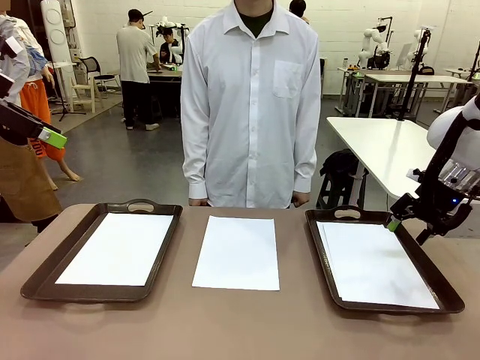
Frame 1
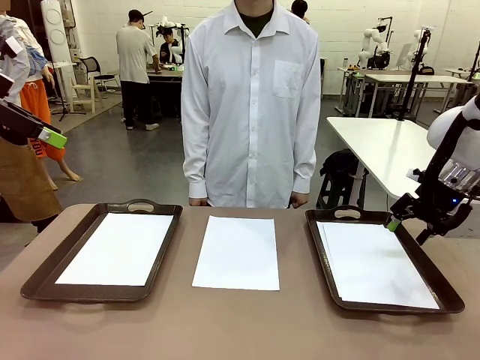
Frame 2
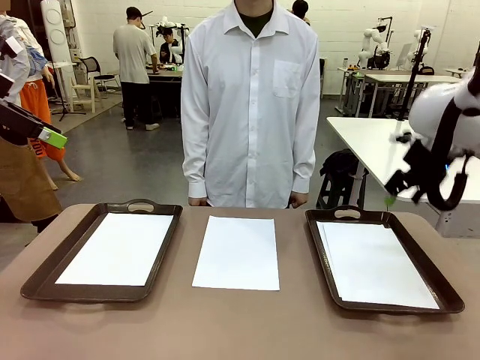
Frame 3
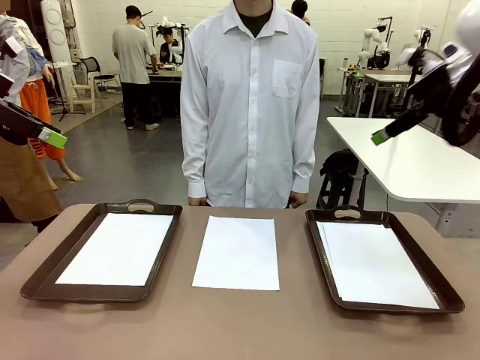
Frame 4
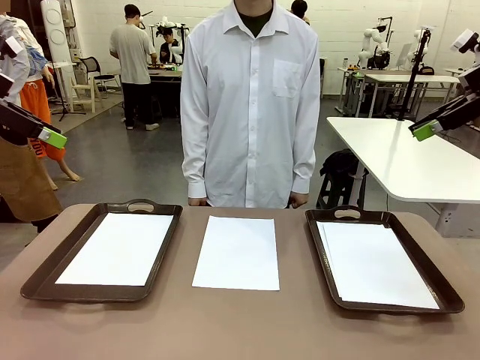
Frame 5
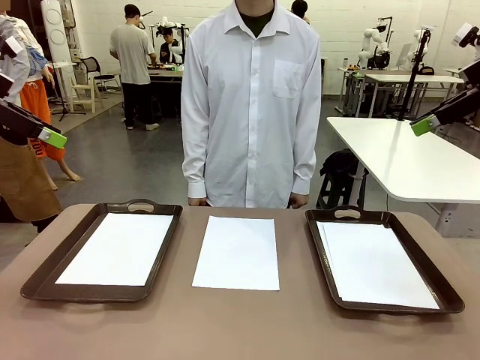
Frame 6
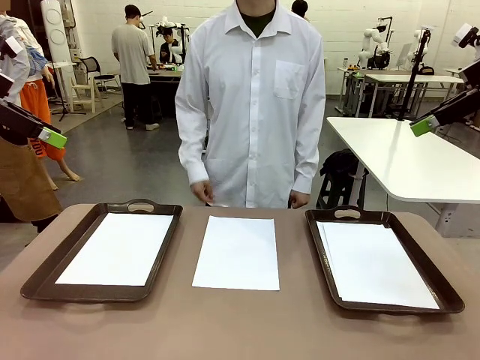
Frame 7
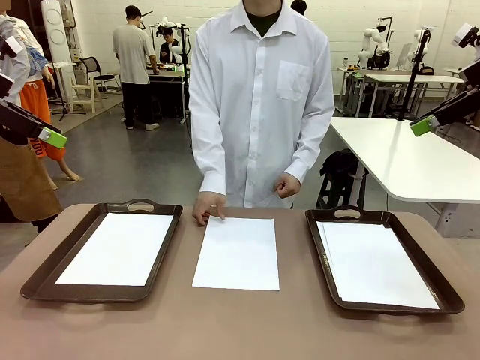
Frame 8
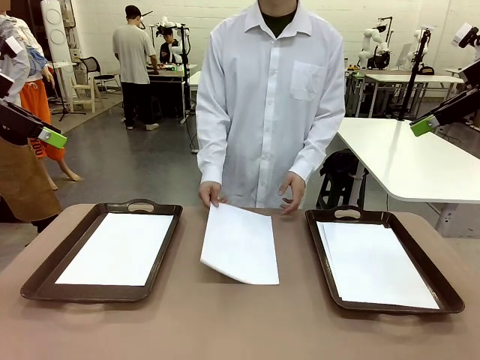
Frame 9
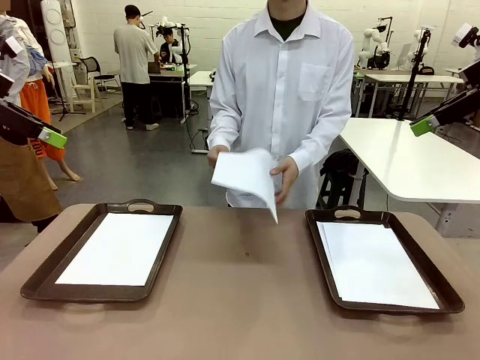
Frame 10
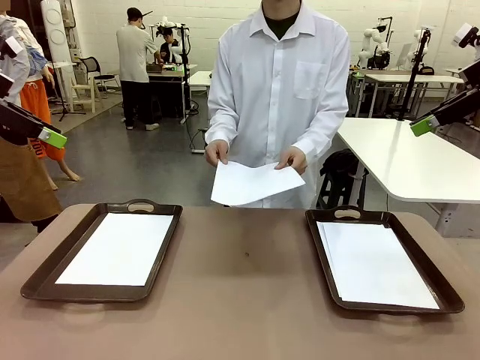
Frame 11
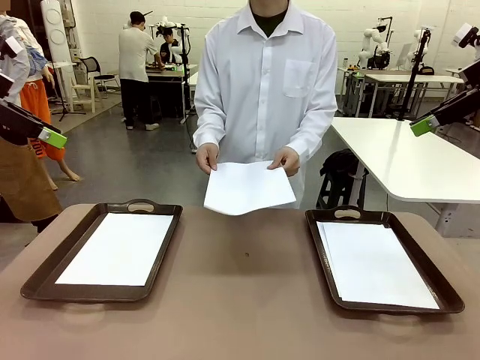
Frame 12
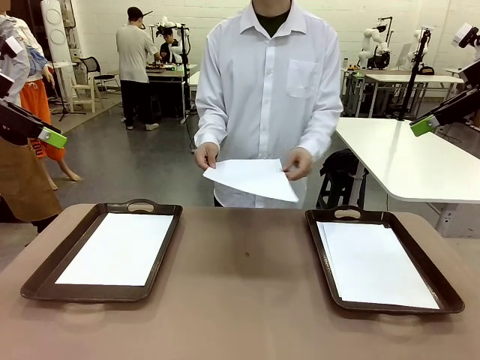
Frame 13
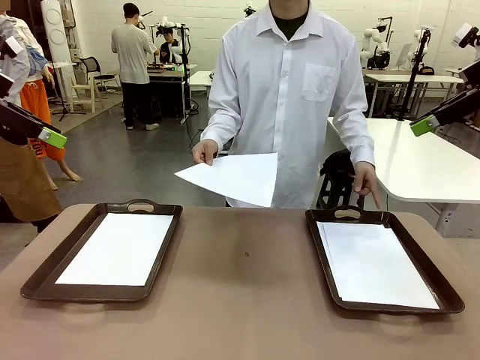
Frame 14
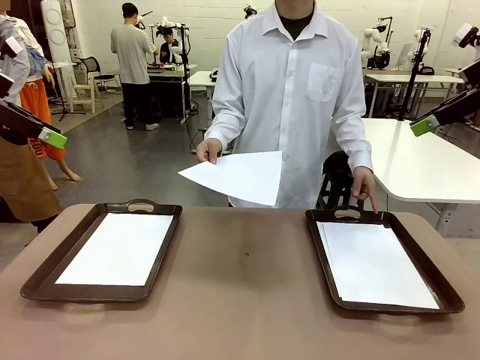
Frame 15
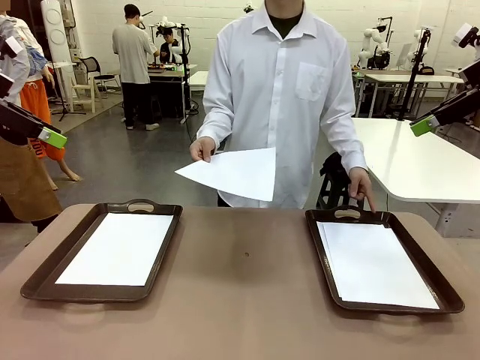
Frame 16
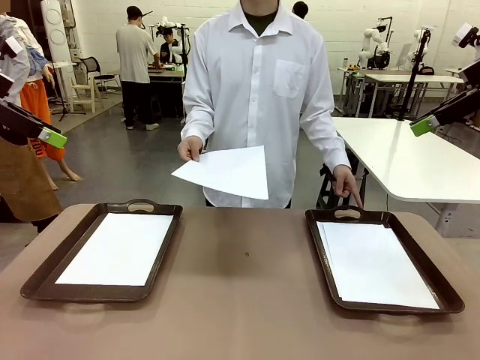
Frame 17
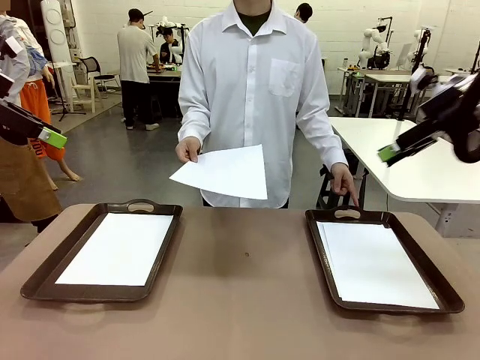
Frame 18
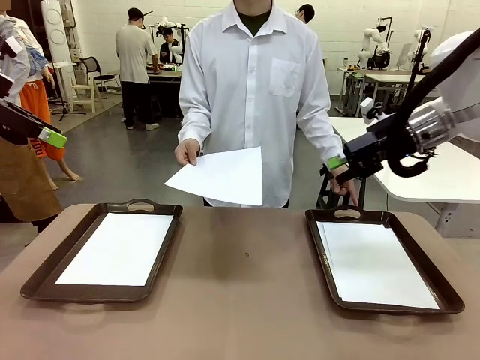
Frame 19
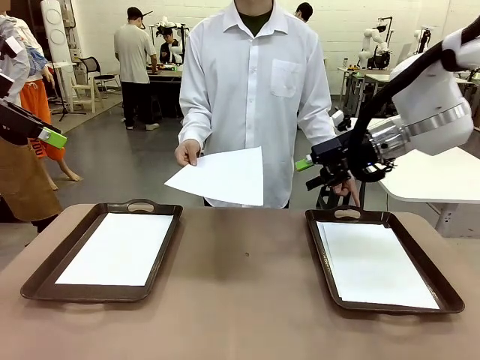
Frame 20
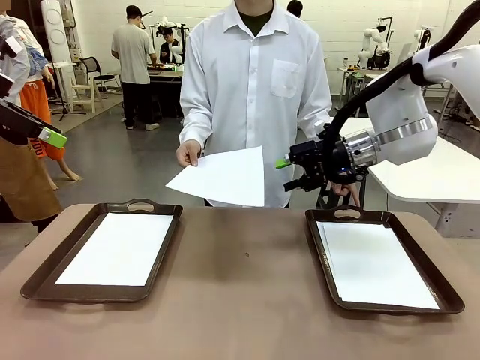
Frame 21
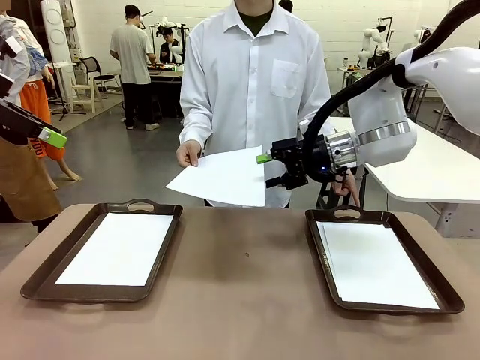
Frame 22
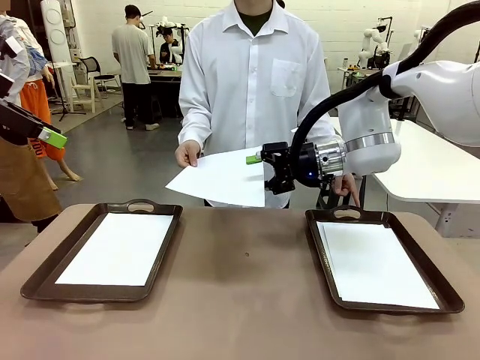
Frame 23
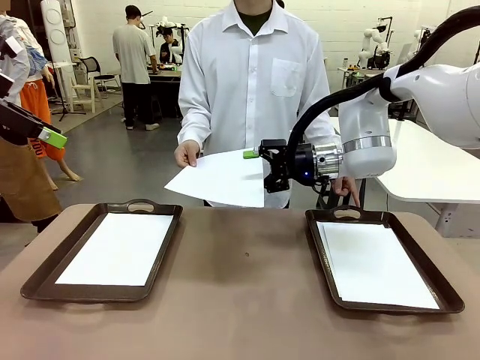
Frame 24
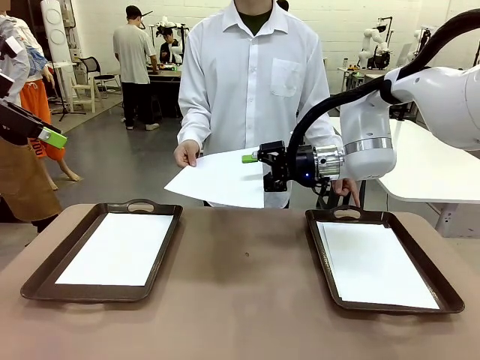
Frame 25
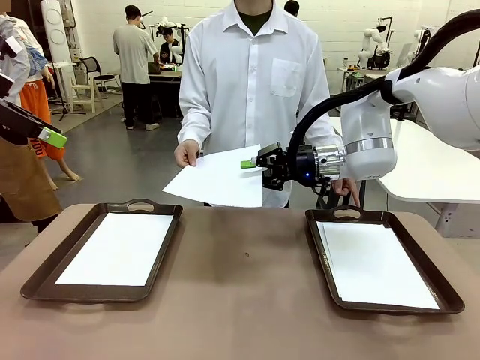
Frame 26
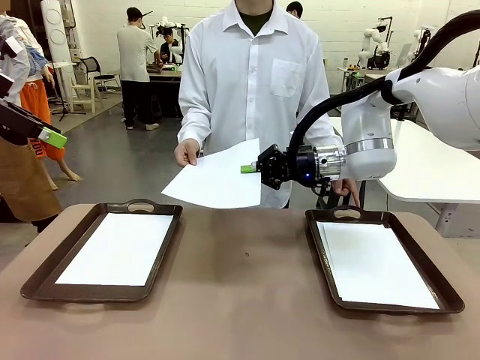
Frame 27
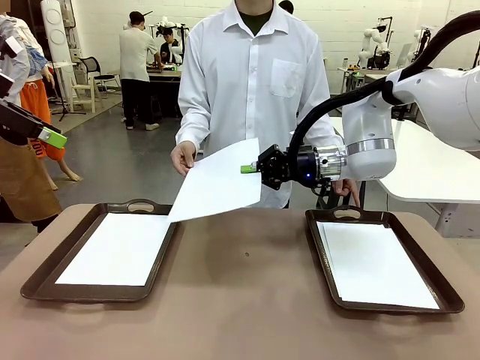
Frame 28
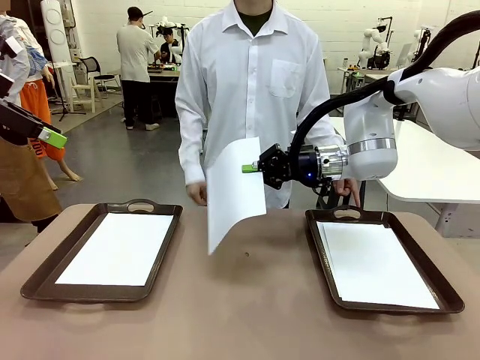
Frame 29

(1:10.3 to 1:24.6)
Task: Sort the A4 documents.
Robot: Receive the A4 Paper.
Person: Point the randomly selected tray with the other hand.

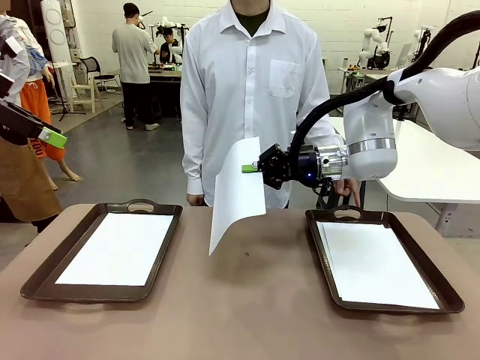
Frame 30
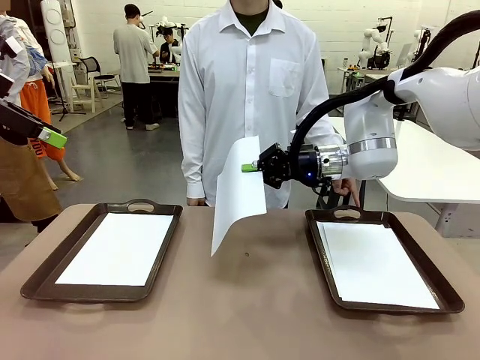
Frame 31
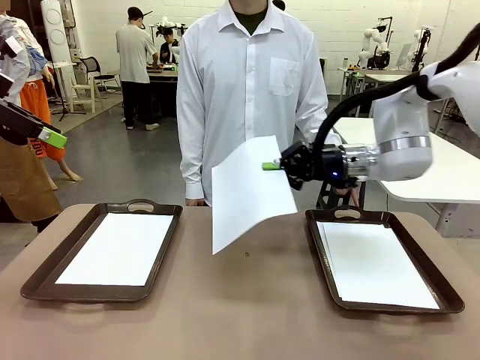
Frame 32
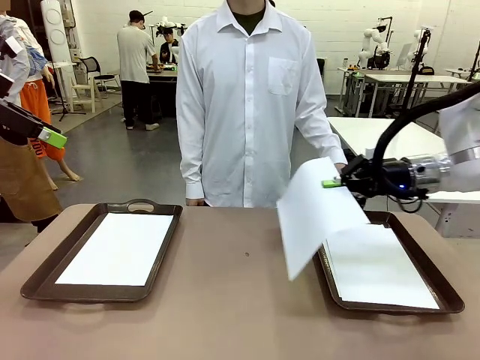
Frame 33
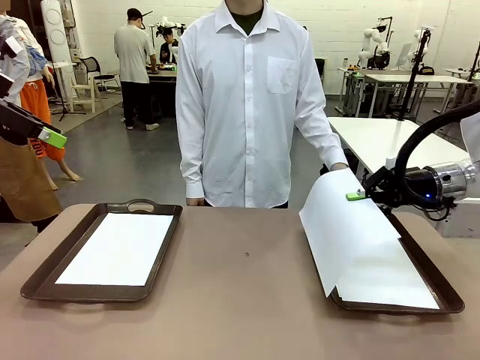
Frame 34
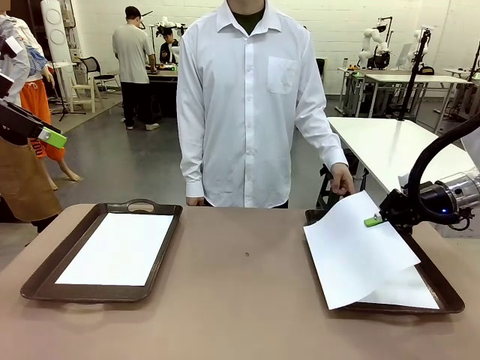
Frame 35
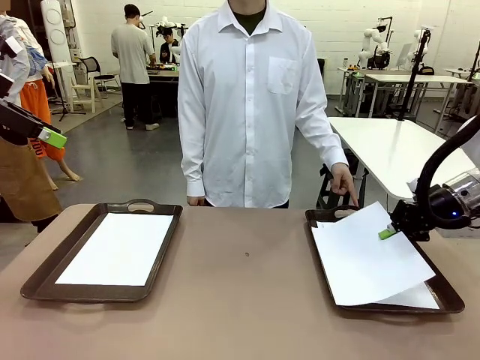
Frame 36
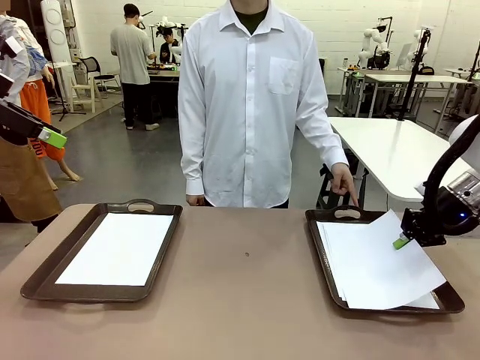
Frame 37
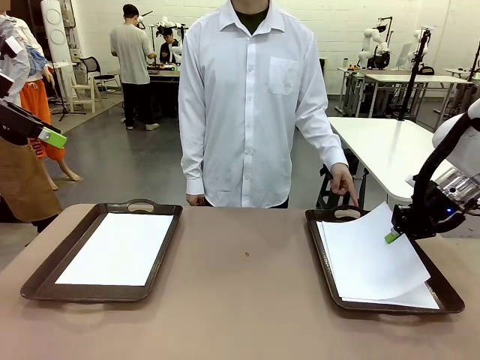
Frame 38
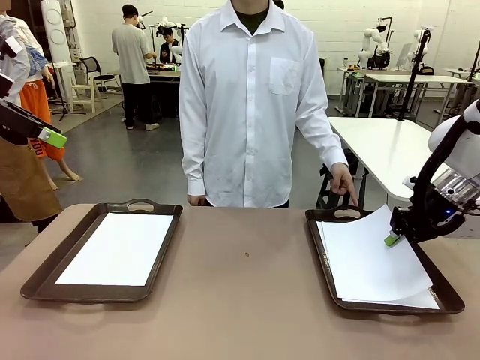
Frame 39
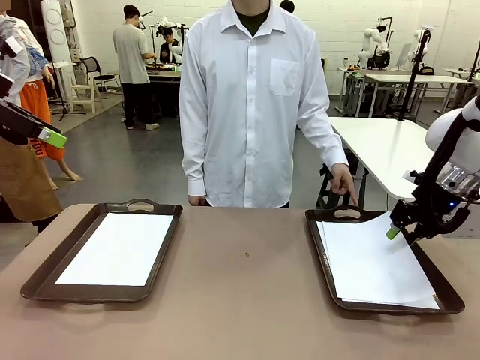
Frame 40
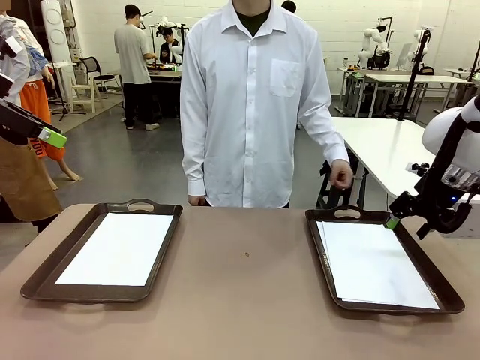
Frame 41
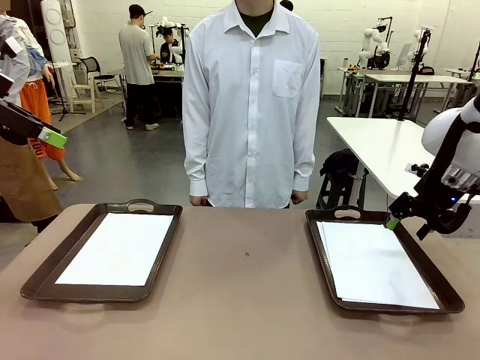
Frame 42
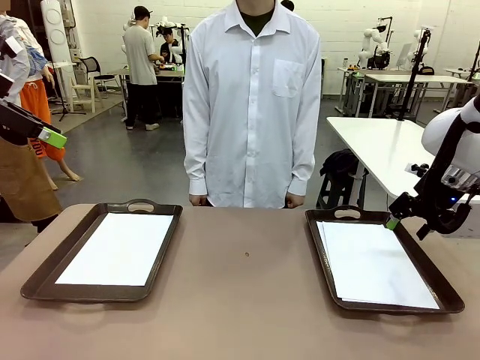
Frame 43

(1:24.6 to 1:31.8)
Robot: Place the A4 Paper in the designated Handle tray.

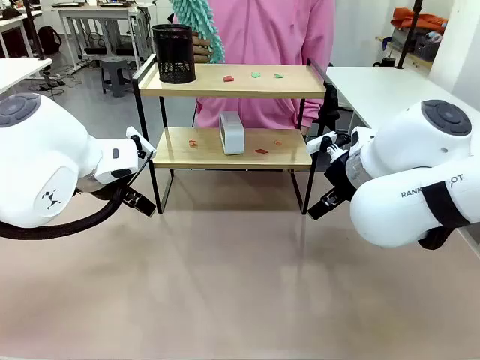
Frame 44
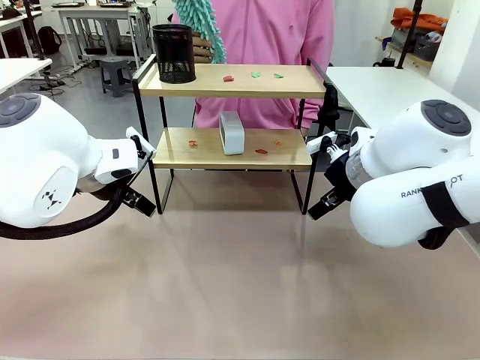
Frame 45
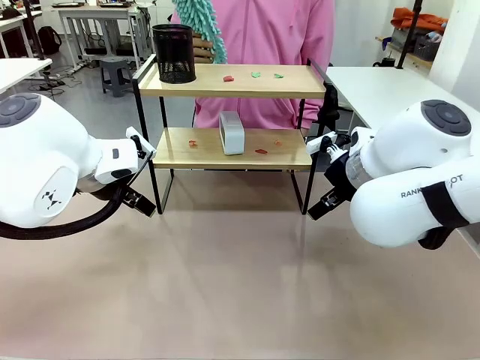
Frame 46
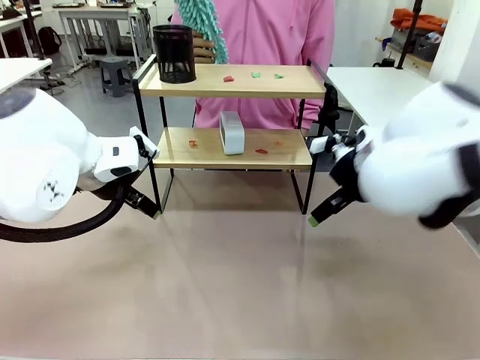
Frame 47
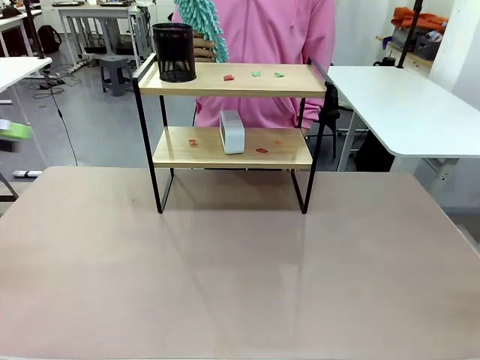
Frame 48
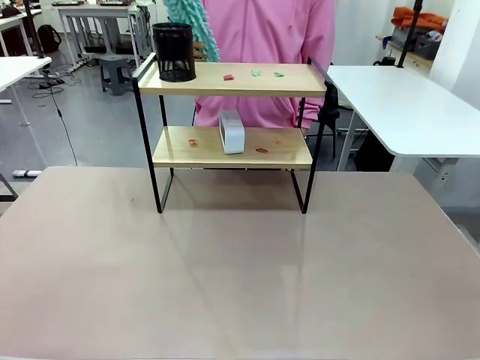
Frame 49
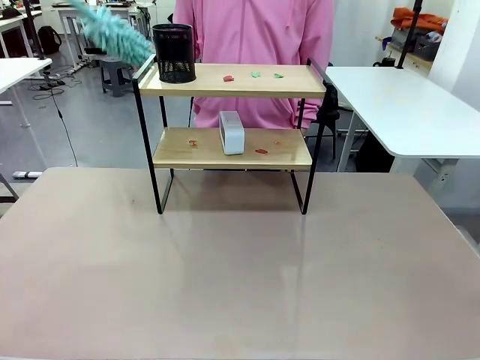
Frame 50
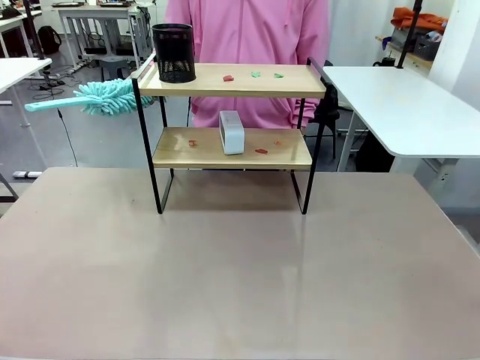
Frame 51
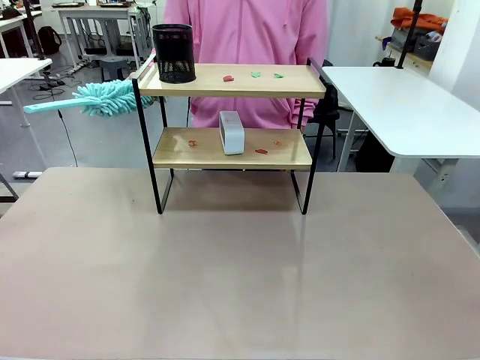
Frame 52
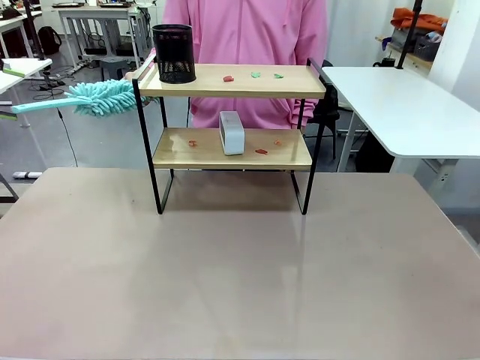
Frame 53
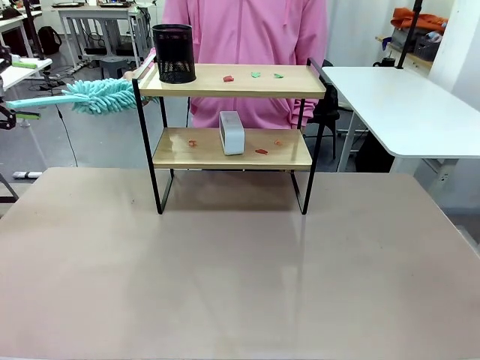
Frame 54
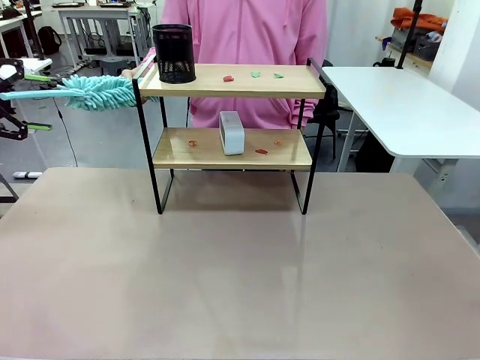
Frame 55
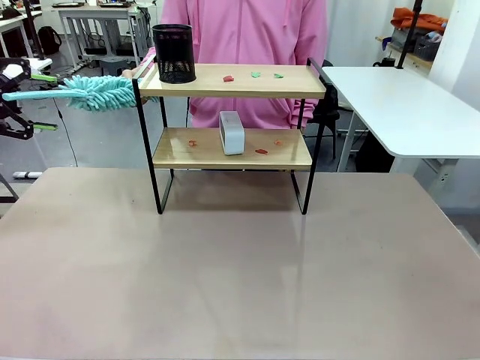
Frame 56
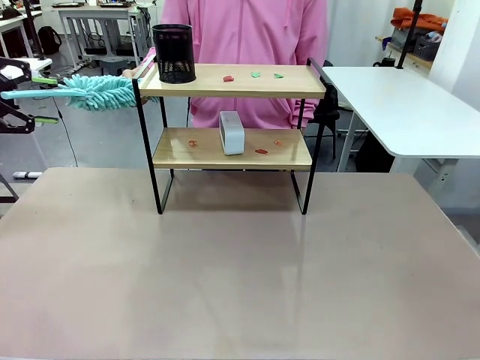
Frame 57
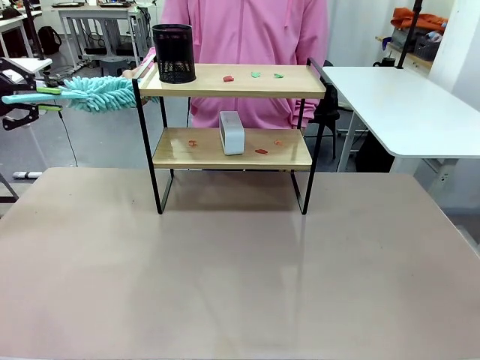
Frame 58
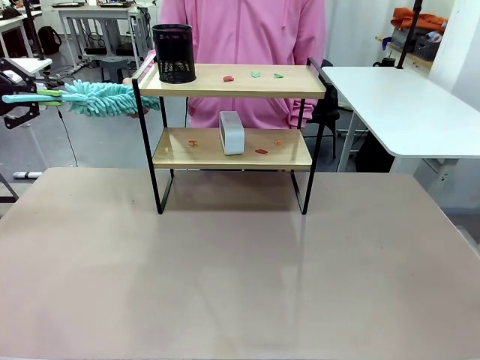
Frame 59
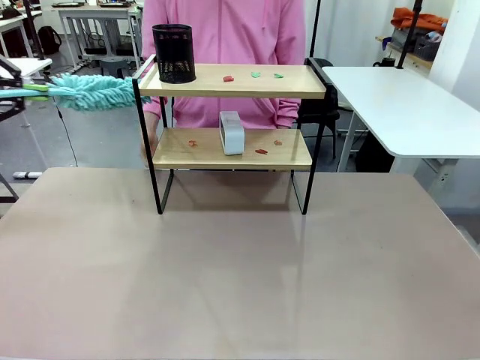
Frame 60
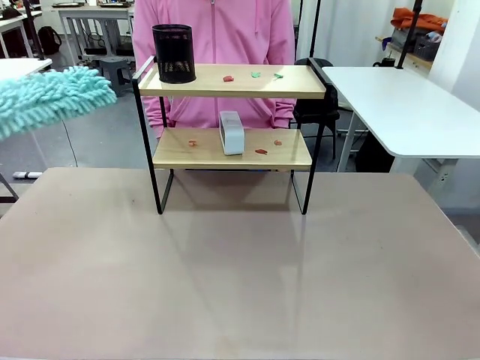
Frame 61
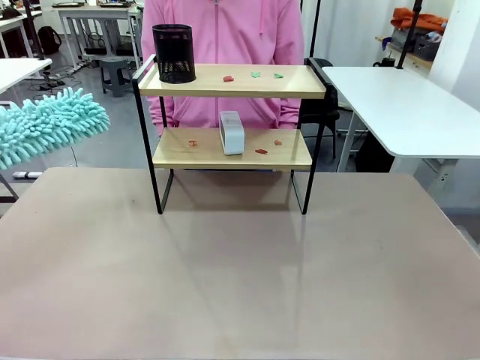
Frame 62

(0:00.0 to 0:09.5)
Task: Clean the shelf.
Robot: Pick up the Duster from the human.
Person: Hand the Duster to the robot.
